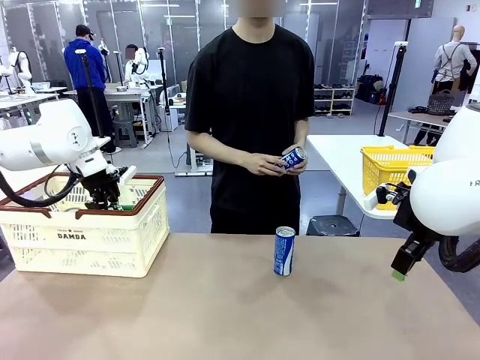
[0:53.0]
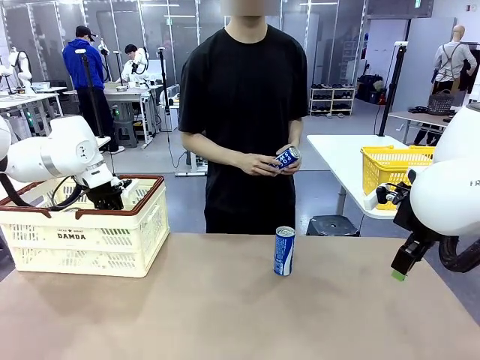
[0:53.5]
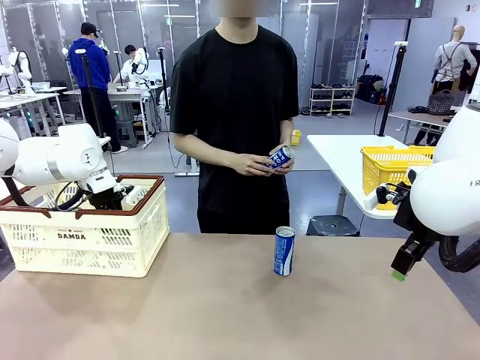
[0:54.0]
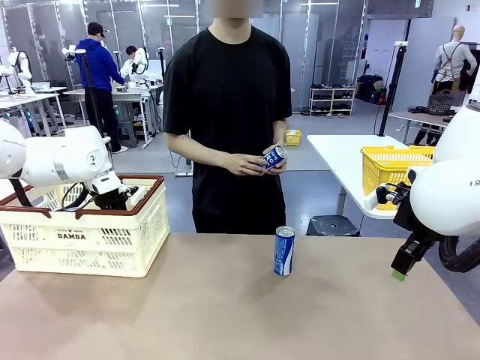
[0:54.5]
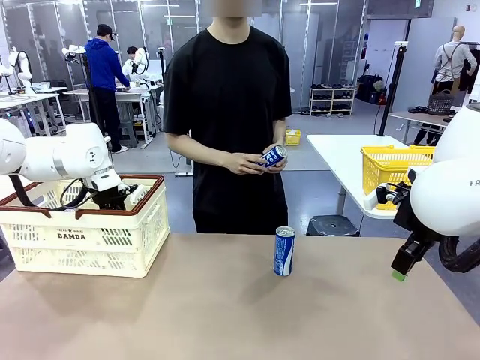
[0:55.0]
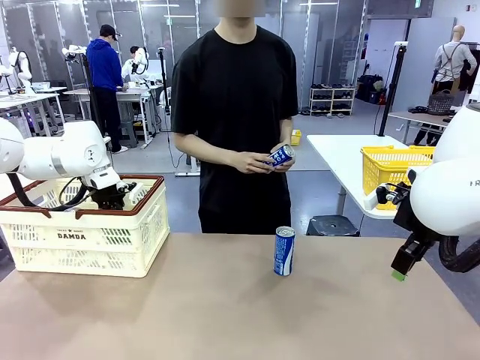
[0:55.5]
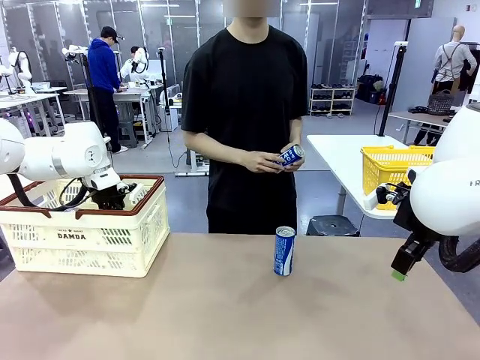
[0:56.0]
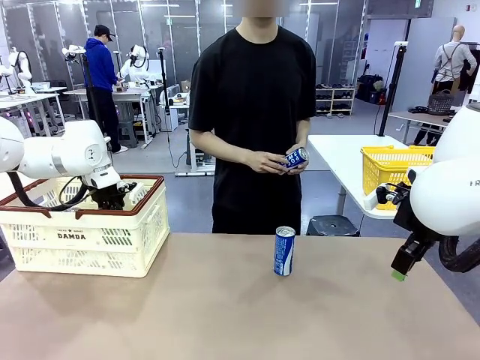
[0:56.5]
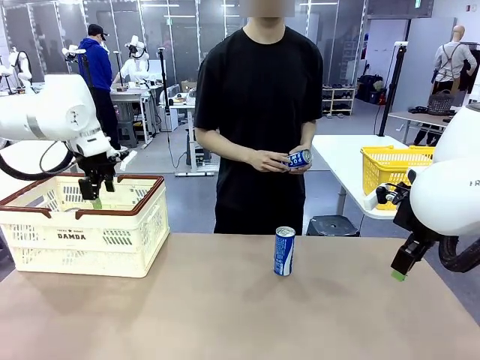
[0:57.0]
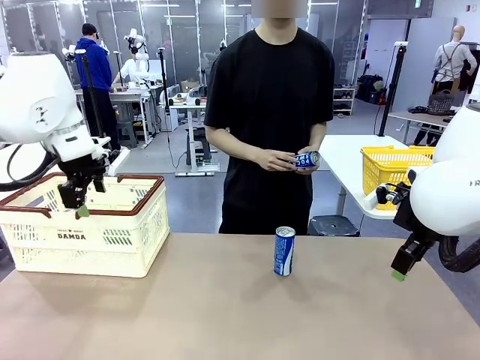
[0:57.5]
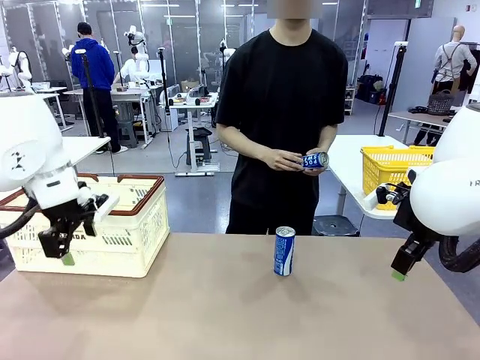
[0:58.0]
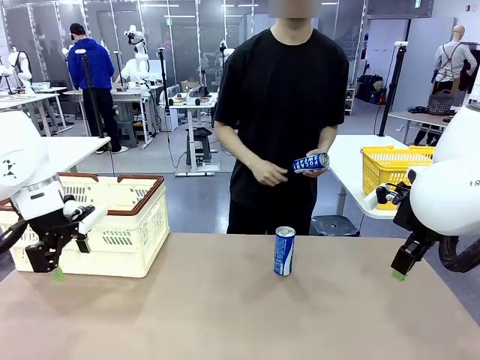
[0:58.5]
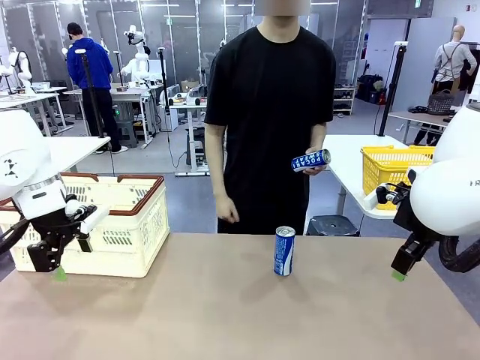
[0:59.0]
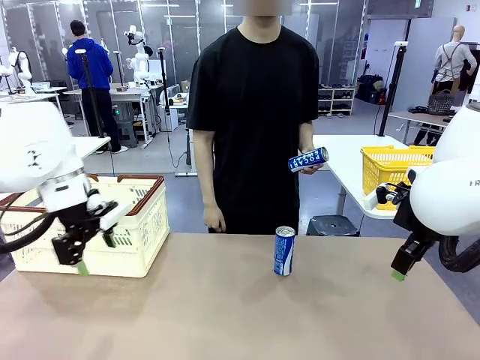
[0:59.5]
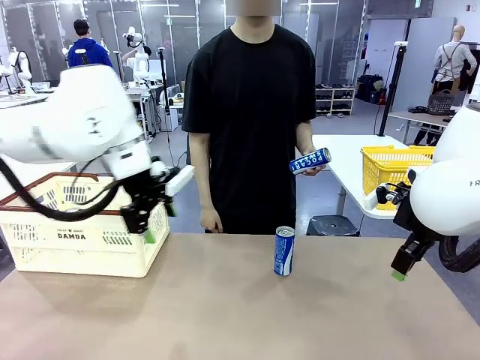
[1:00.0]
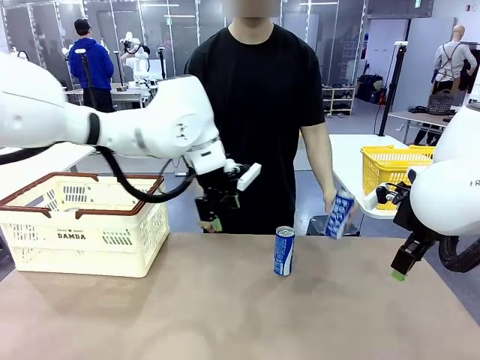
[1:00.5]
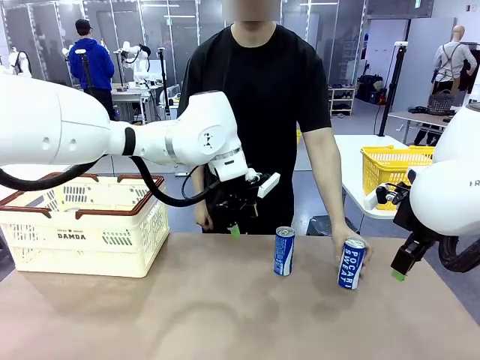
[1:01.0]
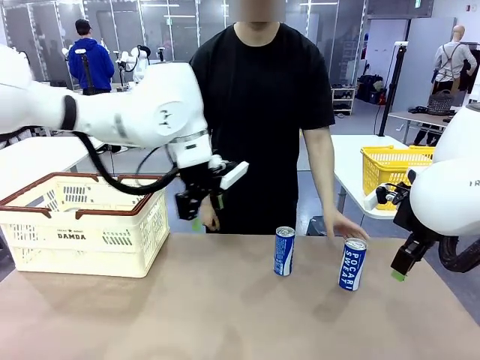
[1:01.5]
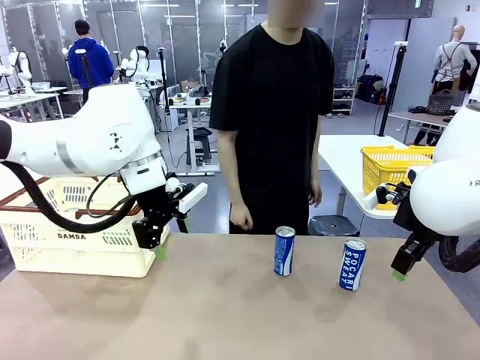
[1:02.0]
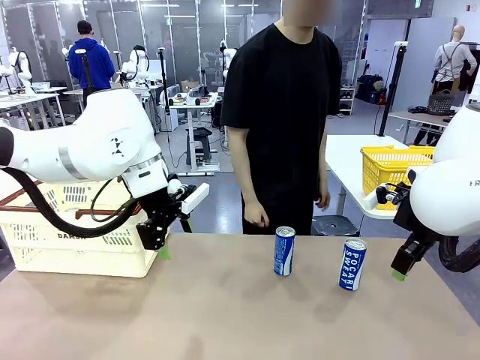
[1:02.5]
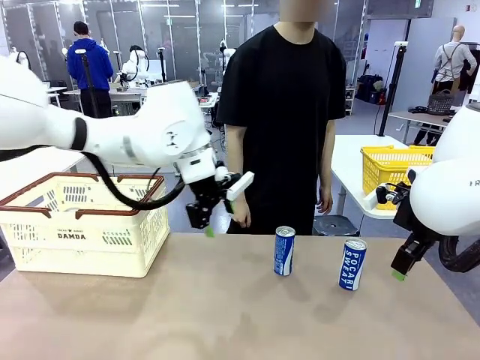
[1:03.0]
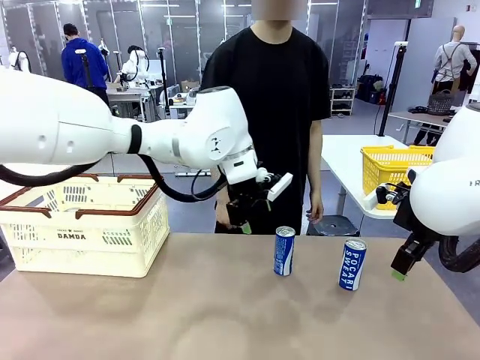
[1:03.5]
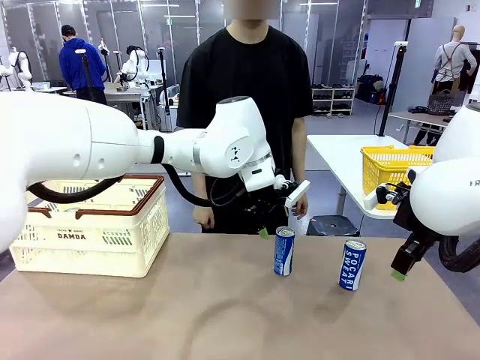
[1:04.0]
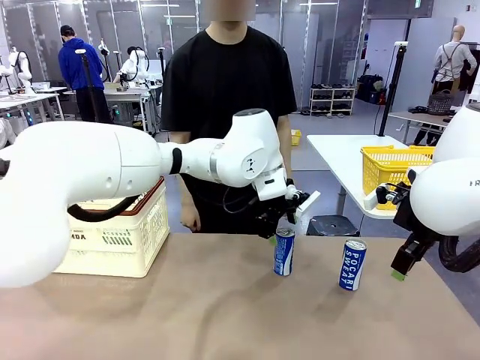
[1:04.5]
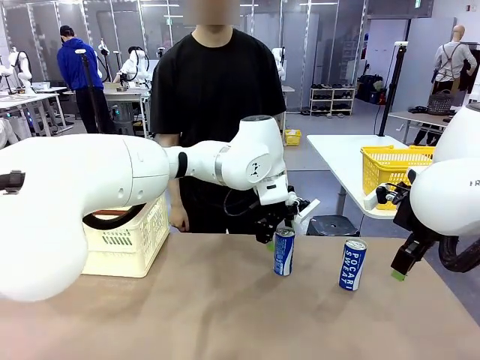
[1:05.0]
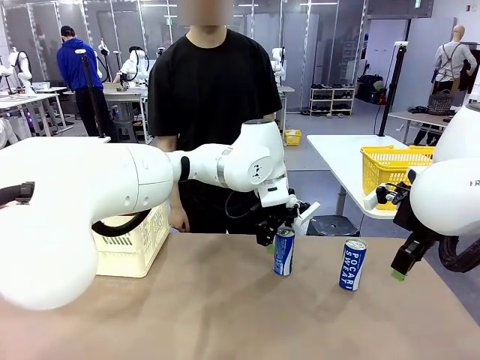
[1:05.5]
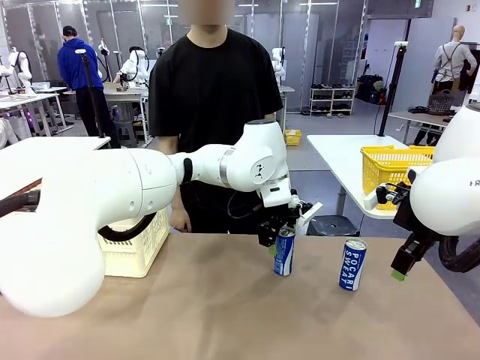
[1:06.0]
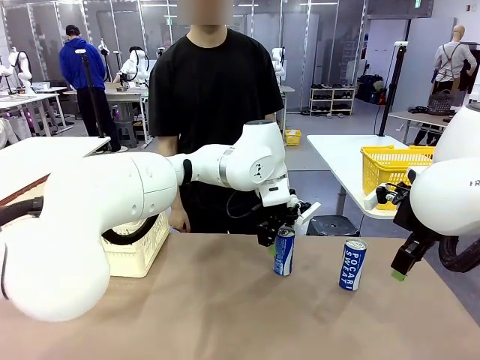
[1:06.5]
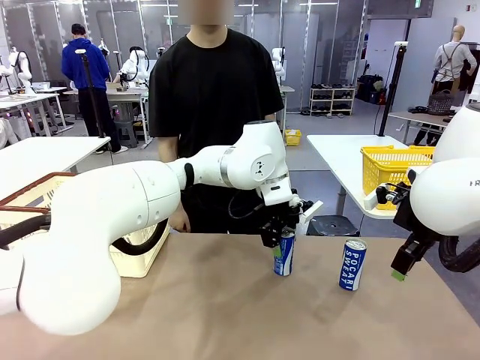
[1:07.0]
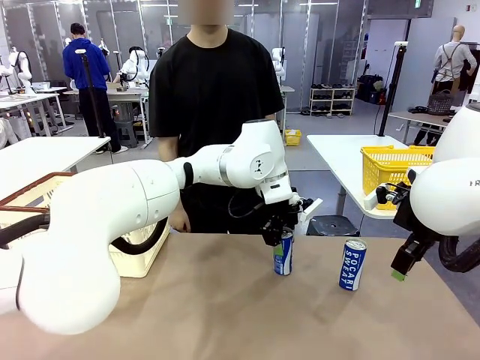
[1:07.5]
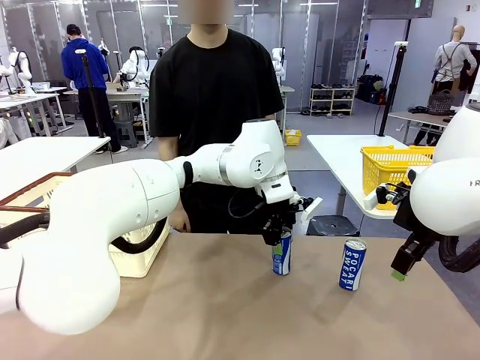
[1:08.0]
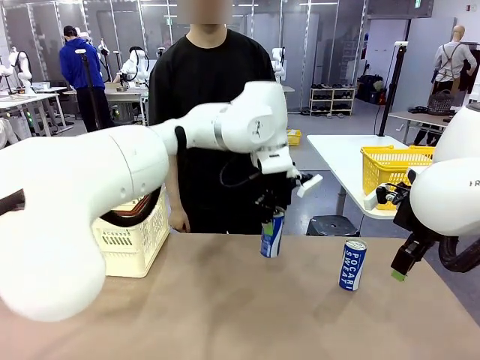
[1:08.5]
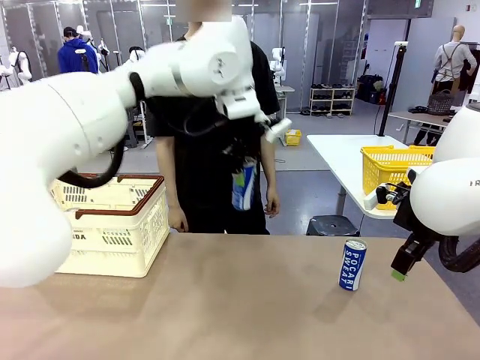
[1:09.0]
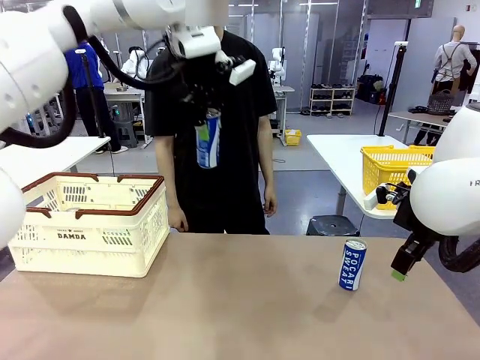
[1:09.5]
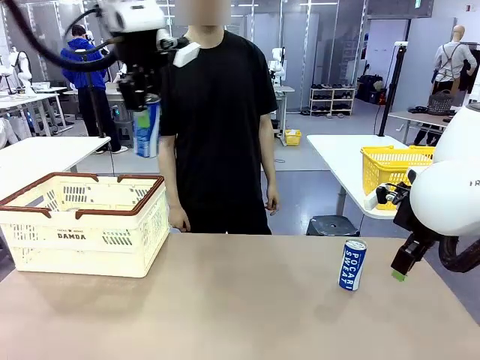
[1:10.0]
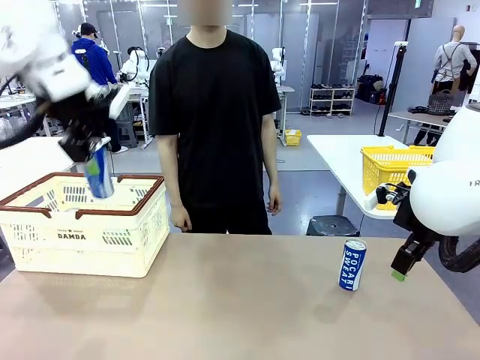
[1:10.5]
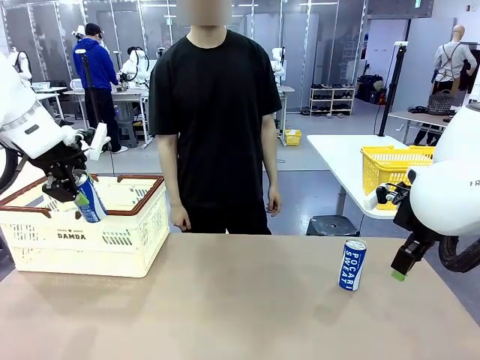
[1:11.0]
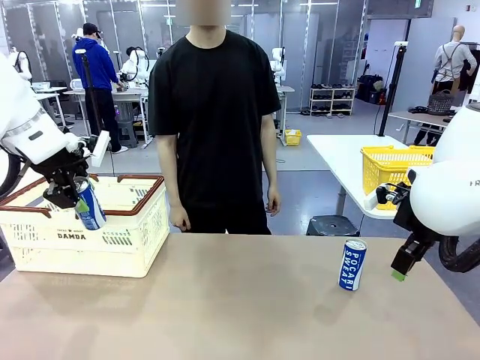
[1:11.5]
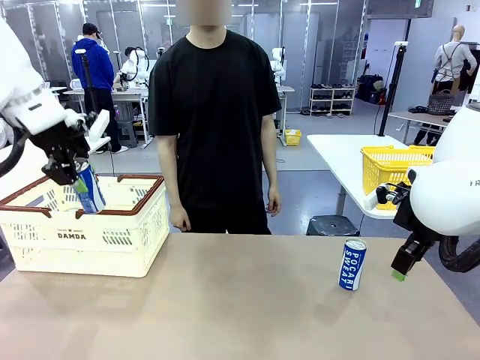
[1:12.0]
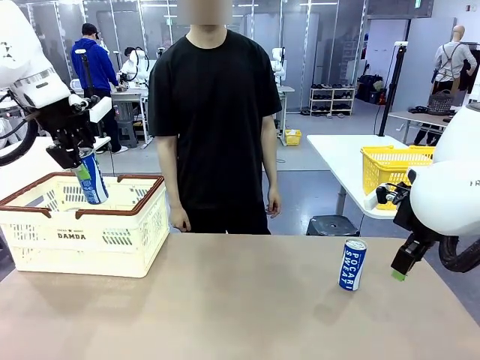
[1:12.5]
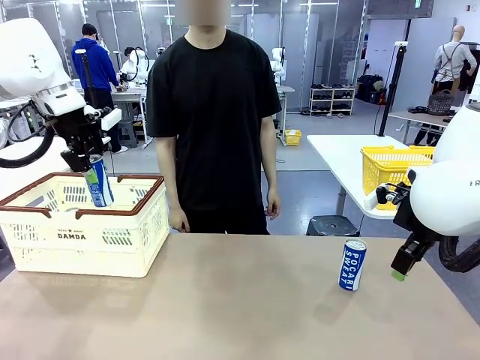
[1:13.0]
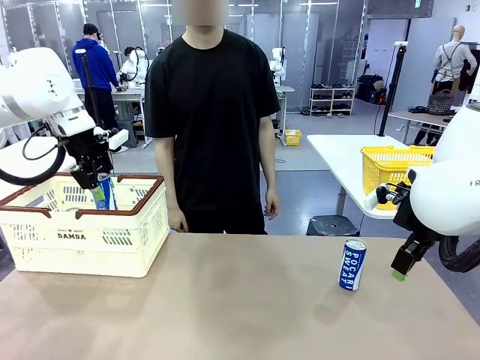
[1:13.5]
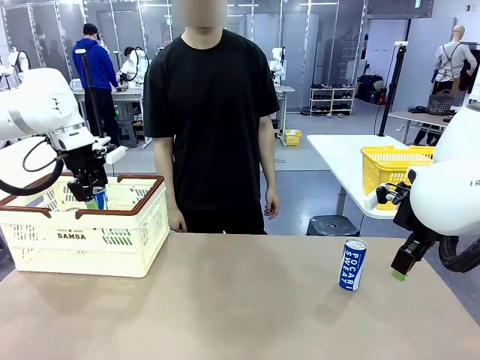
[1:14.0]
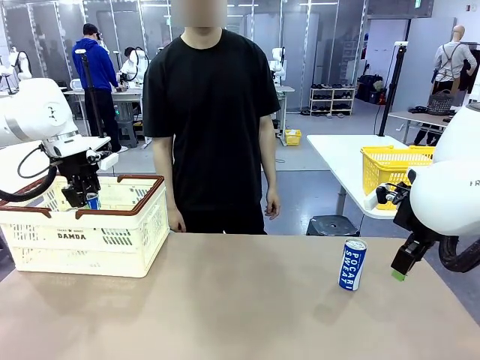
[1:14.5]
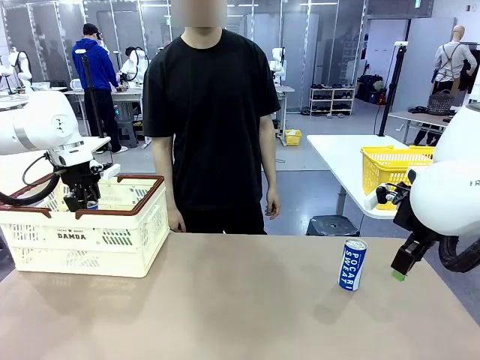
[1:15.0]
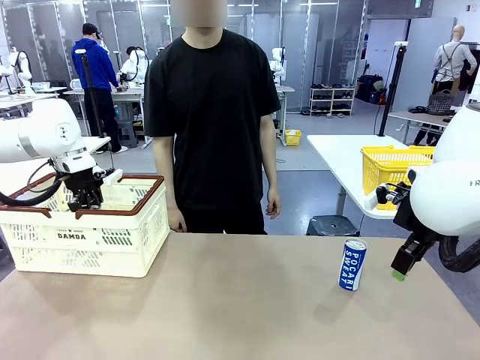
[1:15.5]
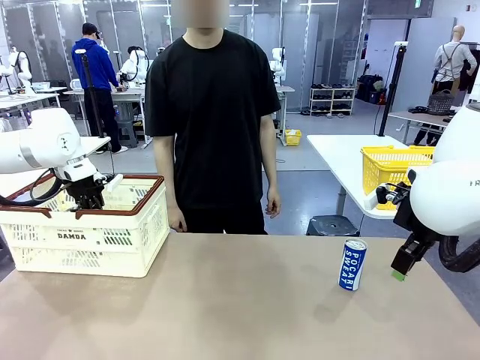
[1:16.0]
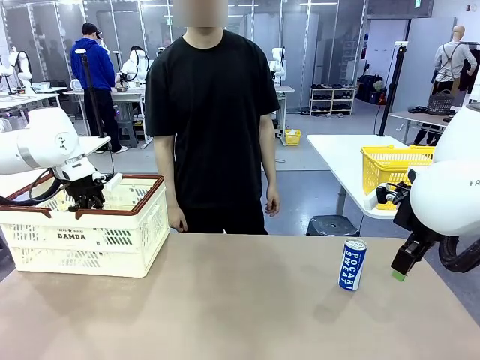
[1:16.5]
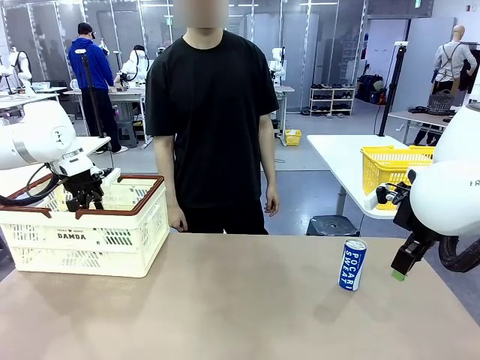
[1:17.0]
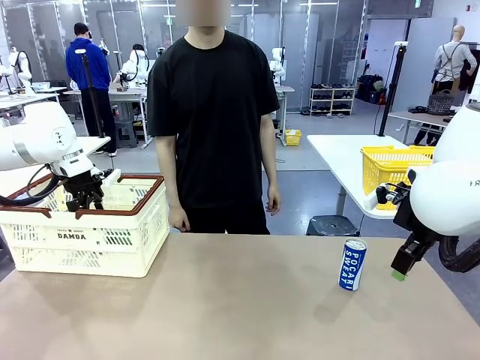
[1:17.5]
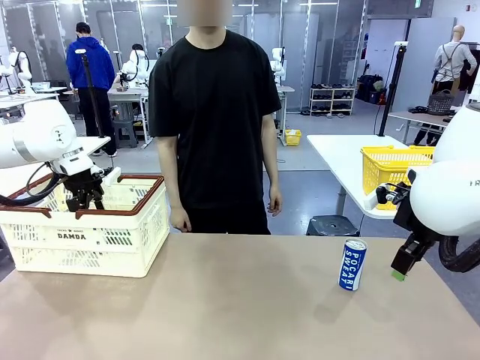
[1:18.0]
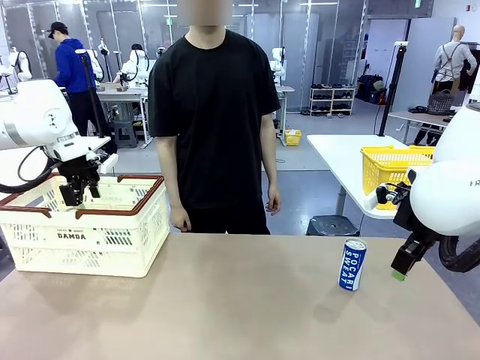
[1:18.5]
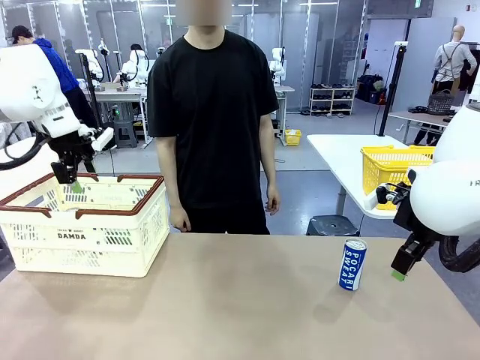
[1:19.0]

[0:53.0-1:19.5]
Task: Place the drinks into the Shopping basket.
Robot: Pick up one drink and place it into the Shopping basket.
